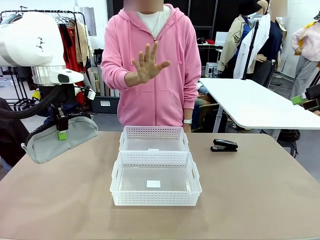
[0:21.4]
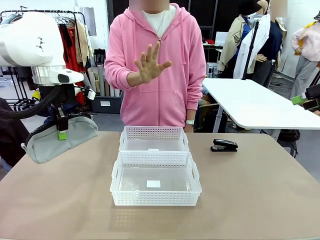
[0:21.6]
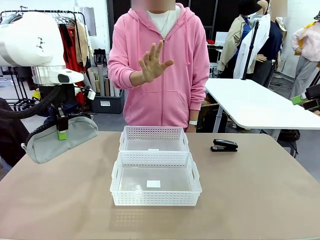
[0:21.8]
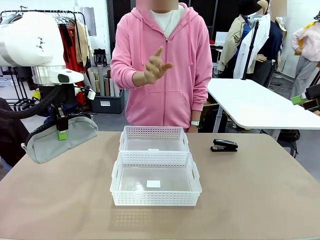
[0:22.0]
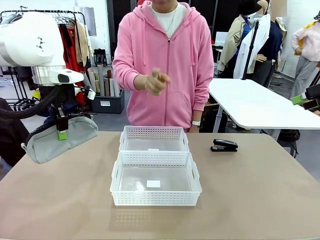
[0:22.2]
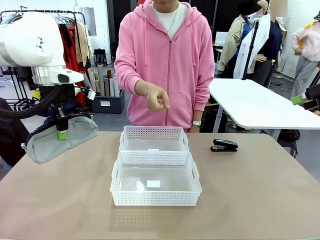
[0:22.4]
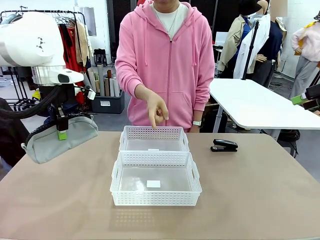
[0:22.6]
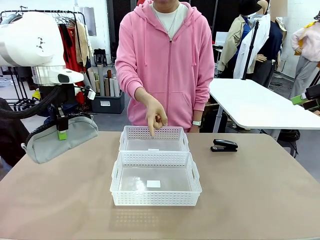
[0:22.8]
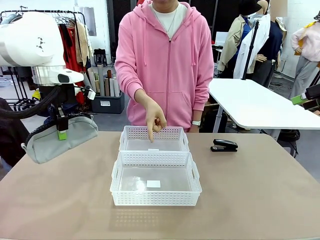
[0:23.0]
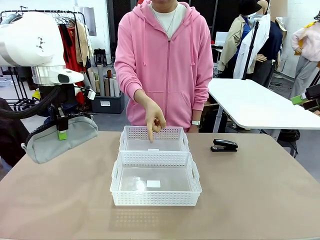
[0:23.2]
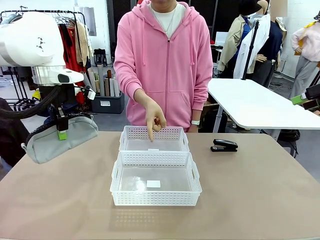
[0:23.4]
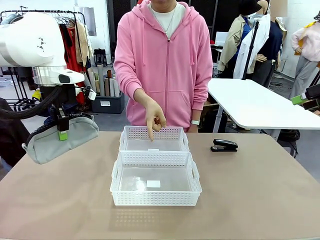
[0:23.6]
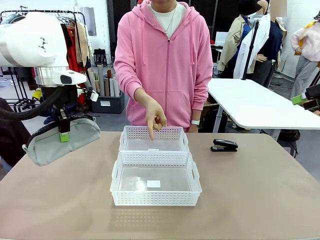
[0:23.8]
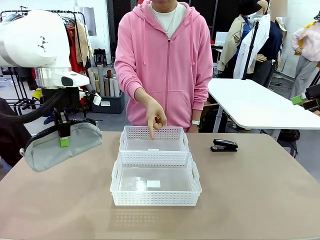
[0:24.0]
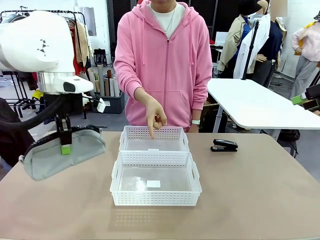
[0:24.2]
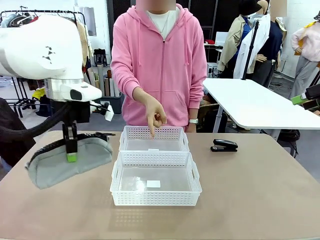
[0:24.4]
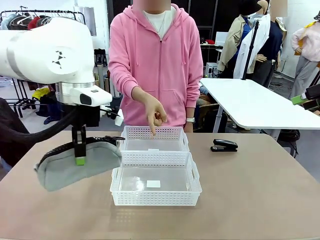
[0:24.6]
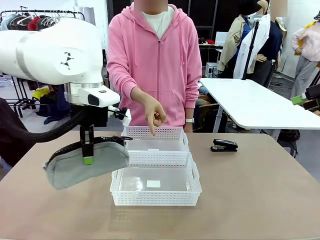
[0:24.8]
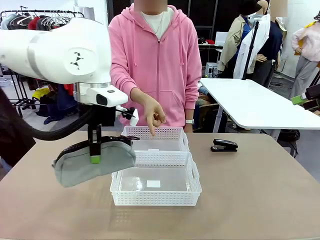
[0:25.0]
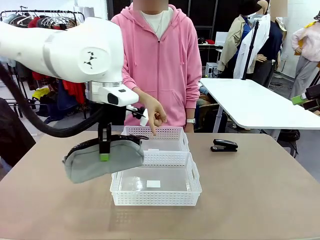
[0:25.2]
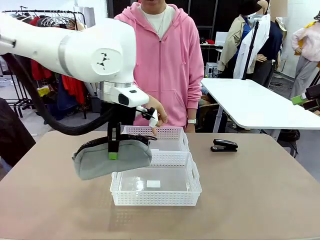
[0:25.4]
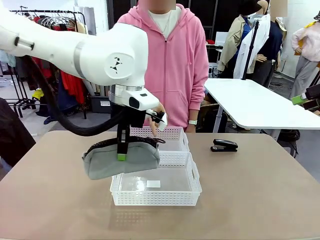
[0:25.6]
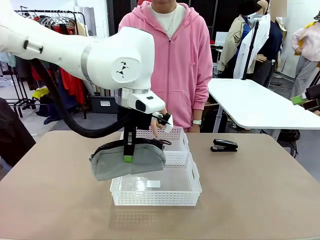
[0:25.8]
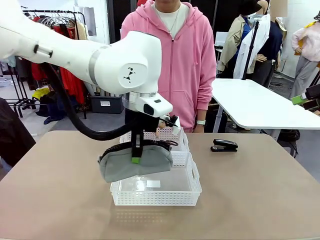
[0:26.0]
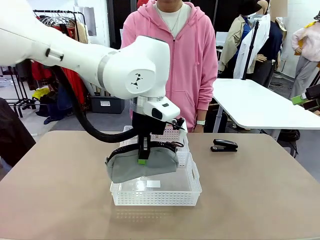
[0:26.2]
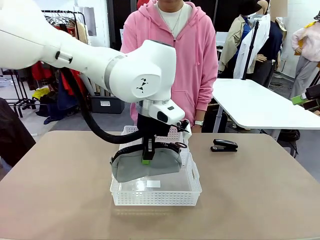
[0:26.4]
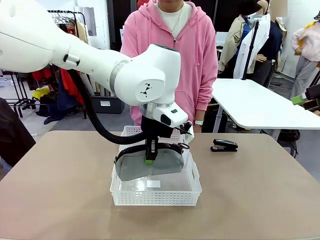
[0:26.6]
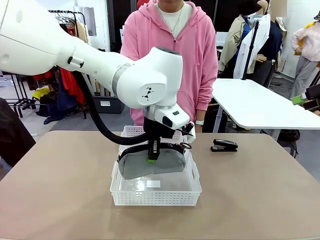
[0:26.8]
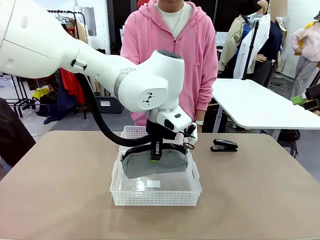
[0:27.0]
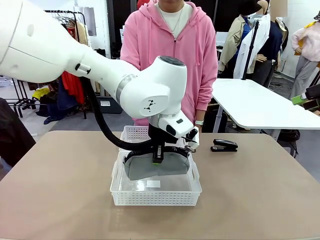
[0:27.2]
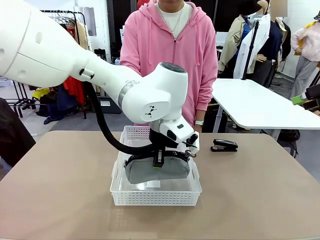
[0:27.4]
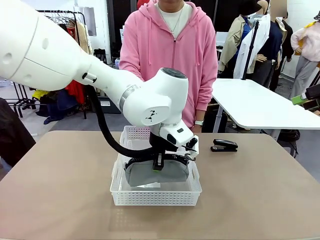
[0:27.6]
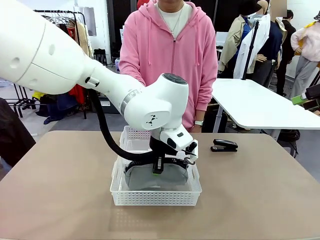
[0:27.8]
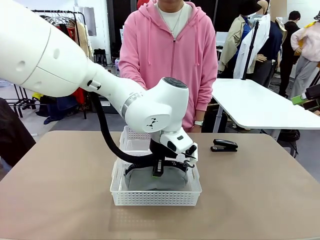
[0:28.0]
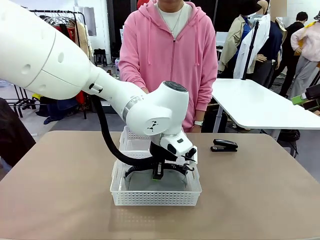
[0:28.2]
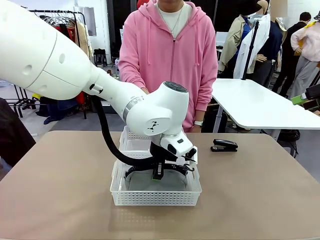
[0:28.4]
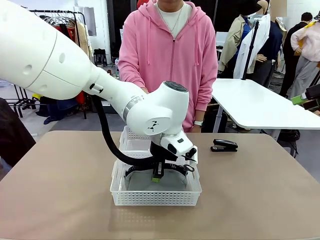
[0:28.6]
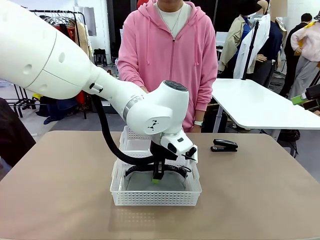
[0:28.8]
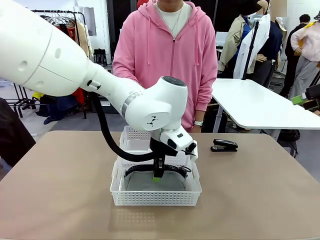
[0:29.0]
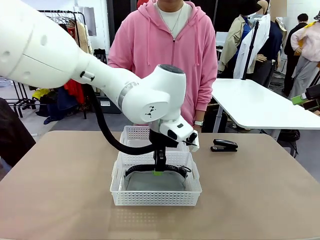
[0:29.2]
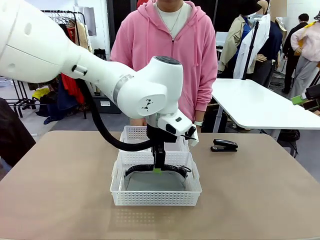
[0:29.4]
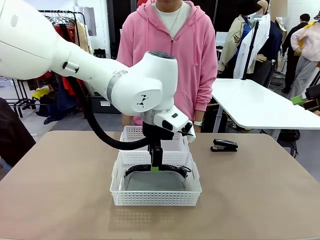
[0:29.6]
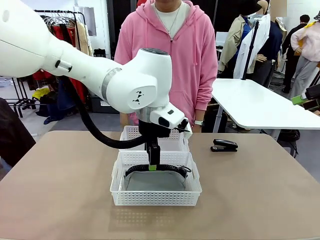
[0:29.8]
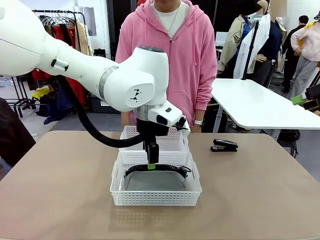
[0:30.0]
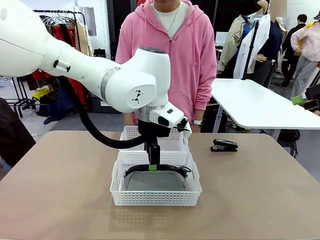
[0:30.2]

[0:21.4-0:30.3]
Task: Distribute items into two baskets.
Robot: Place the picked Pencil pouch into the Organizing basket as instructed by the person.
Person: Instructs the robot to place the pencil case into the opposite basket. Points to the stapler.

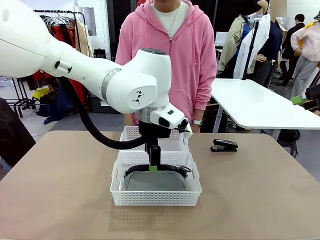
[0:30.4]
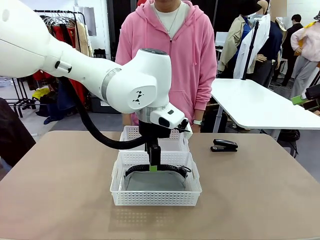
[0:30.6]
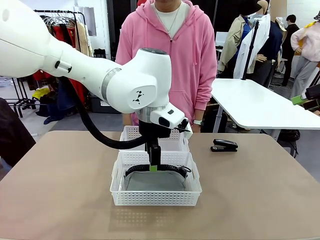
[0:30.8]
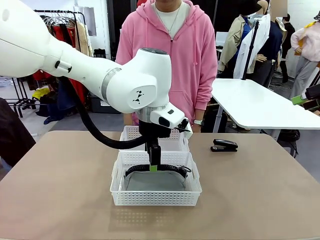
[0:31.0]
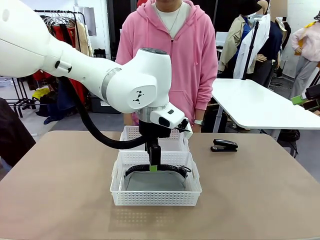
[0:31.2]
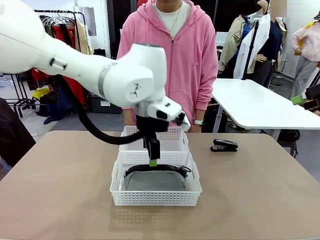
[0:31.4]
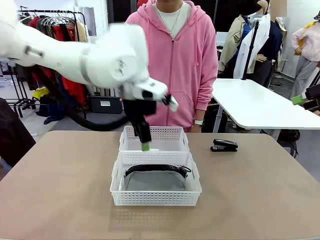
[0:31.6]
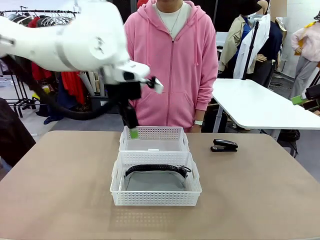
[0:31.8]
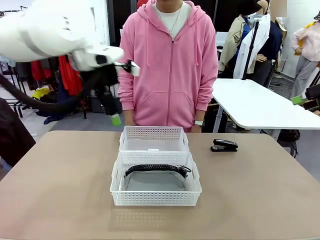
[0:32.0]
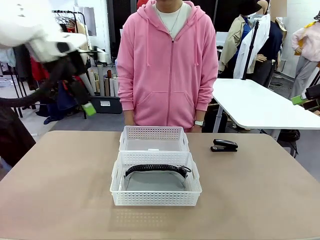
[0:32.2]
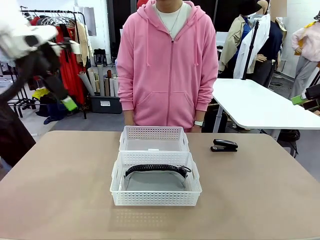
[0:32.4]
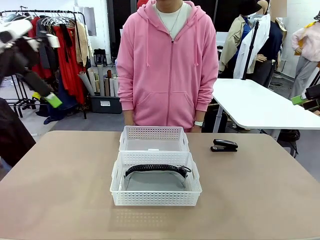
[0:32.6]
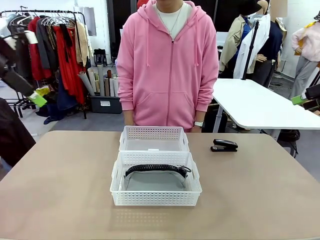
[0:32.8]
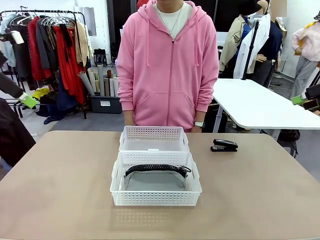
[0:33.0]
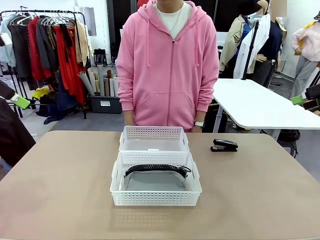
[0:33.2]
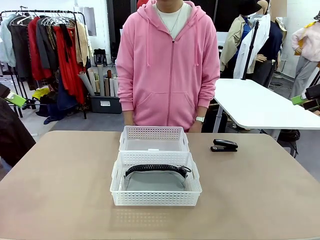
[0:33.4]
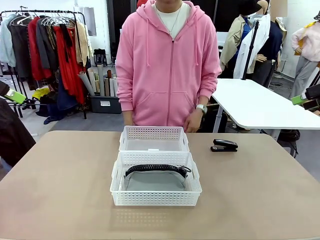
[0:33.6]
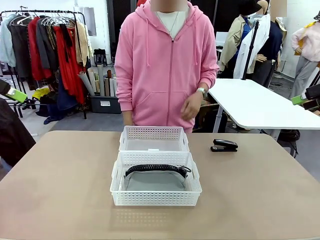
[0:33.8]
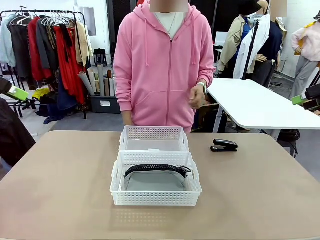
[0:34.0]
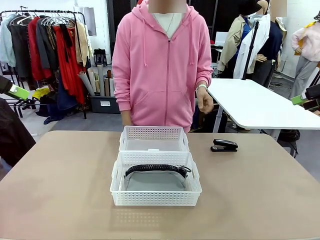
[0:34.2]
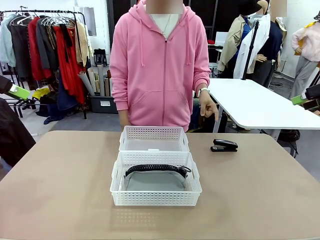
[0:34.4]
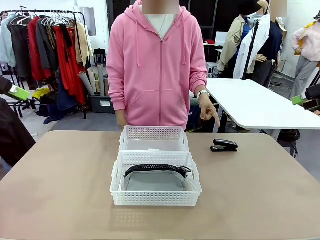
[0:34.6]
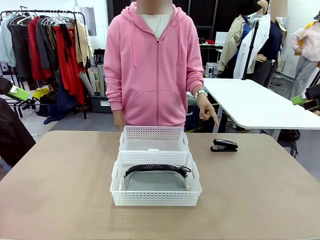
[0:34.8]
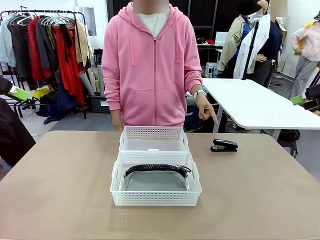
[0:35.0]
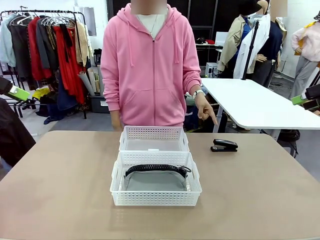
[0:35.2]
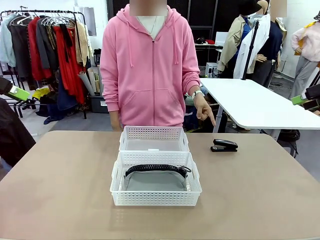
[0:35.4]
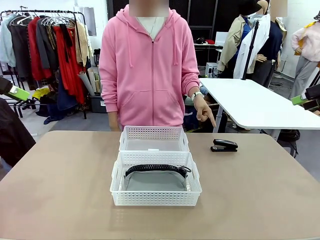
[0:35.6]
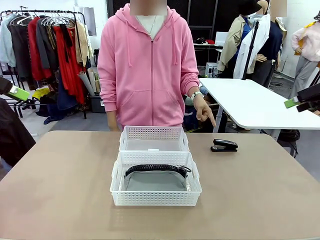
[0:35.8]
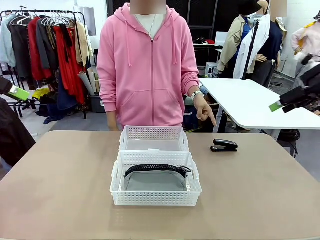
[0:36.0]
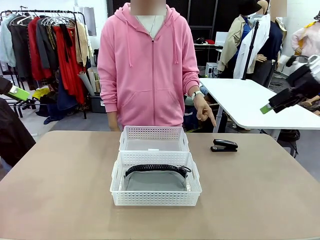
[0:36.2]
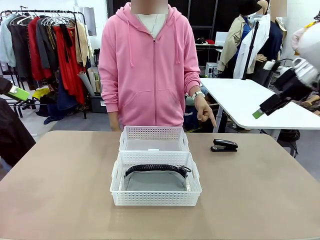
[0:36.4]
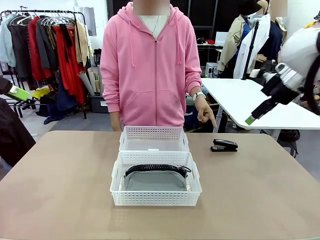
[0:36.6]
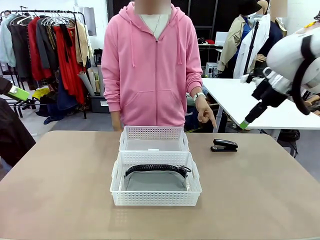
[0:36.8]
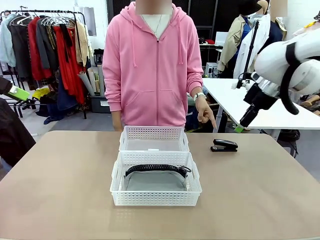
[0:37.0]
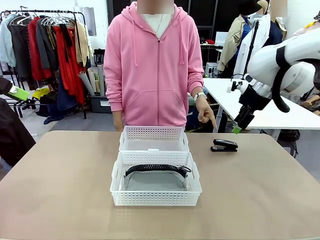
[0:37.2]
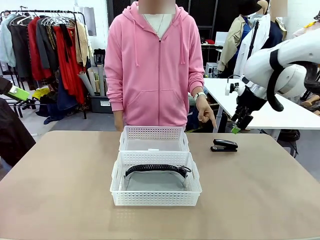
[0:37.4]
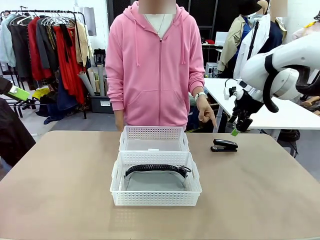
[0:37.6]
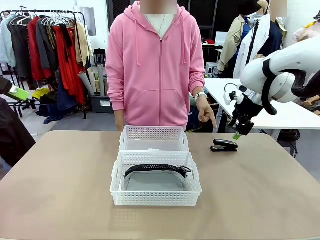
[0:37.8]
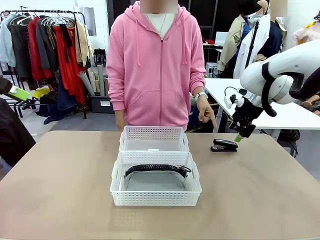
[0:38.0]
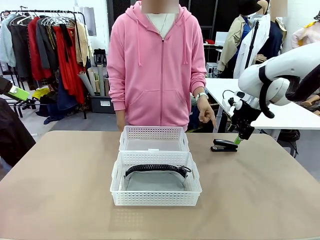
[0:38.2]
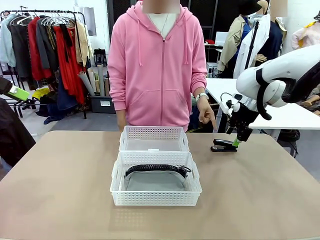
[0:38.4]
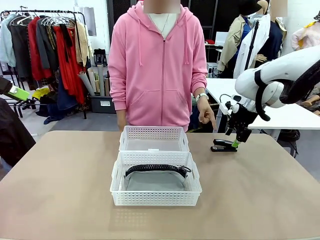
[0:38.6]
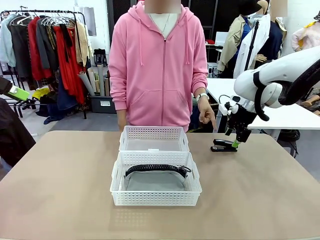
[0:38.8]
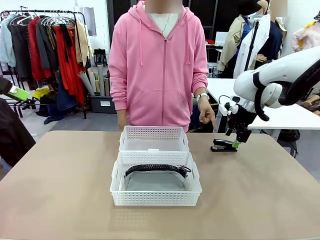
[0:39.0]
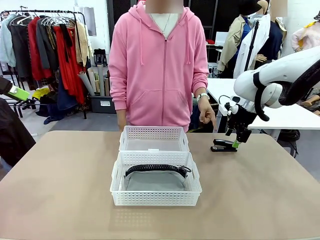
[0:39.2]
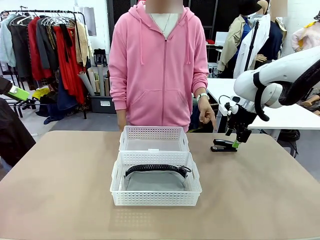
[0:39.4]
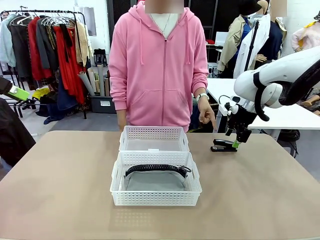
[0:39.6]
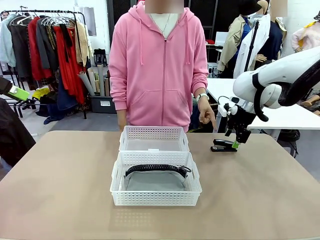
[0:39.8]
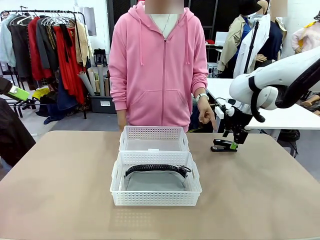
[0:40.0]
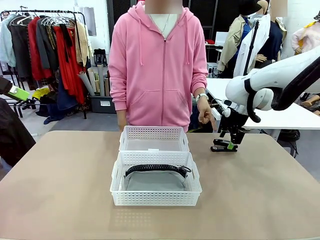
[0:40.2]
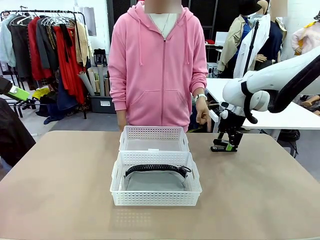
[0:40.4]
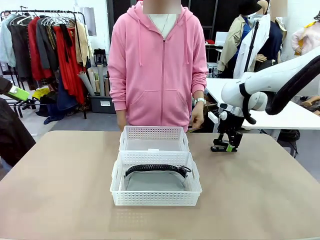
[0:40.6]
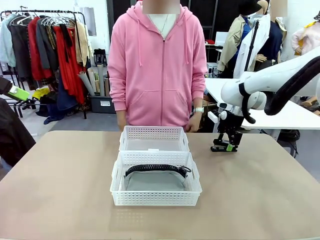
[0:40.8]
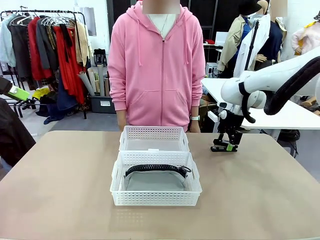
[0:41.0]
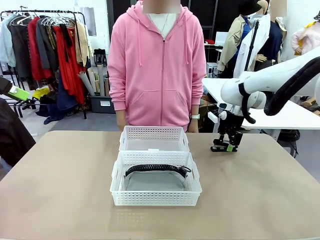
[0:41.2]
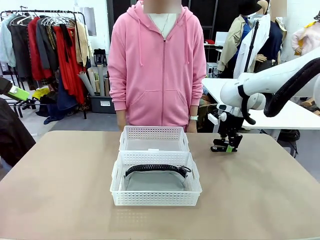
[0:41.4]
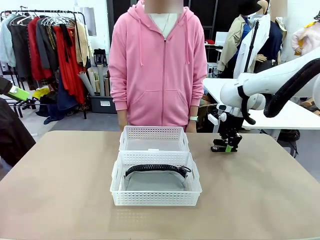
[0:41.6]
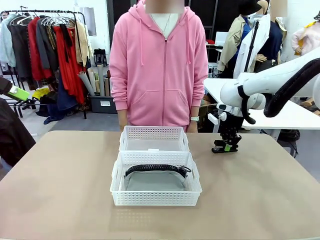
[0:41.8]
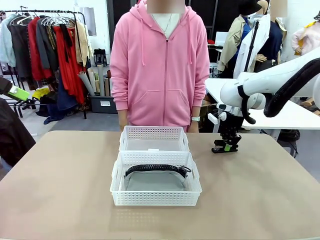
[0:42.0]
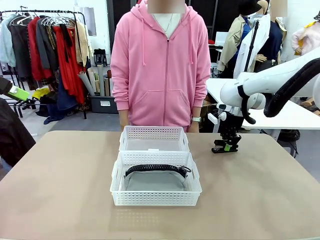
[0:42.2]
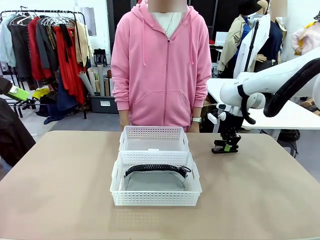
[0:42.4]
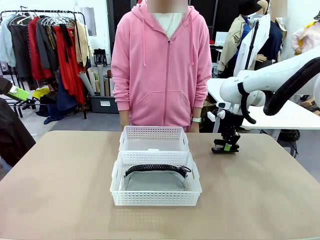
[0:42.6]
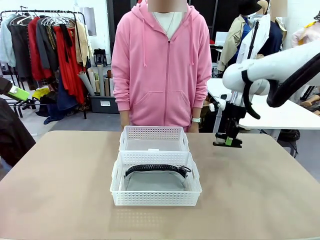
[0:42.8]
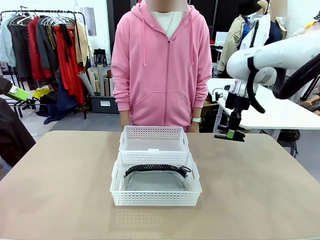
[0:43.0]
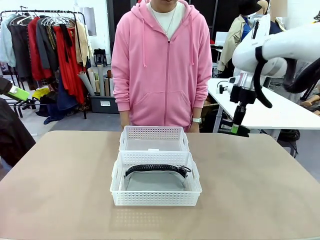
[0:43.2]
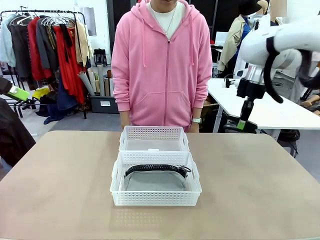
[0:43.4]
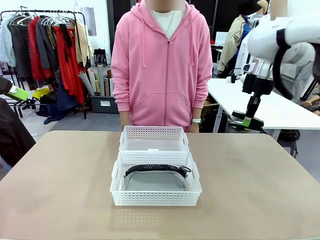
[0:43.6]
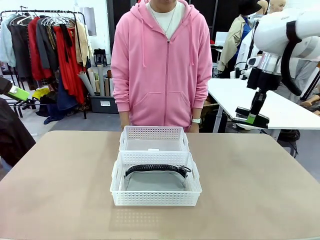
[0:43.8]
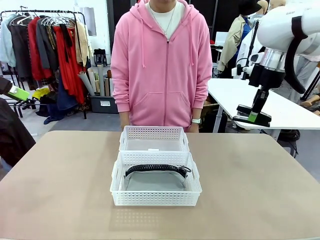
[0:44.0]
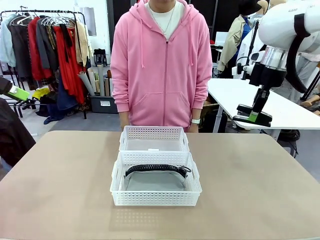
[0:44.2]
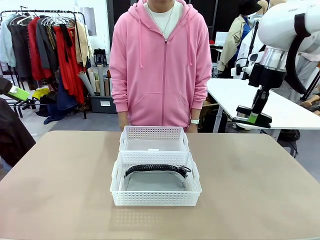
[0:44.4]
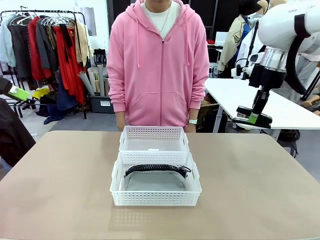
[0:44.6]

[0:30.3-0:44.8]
Robot: Pick up the Stapler that the person points to.
